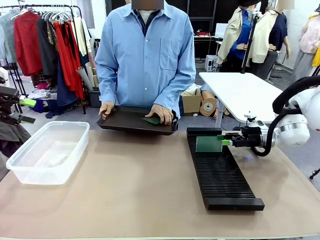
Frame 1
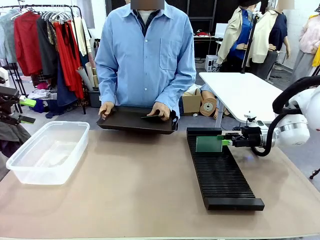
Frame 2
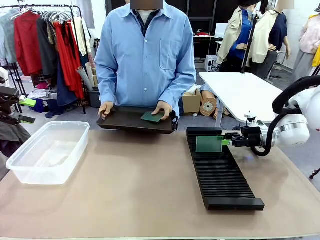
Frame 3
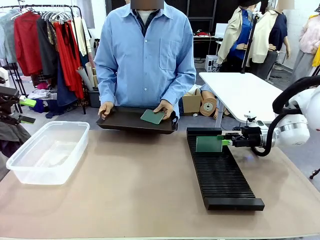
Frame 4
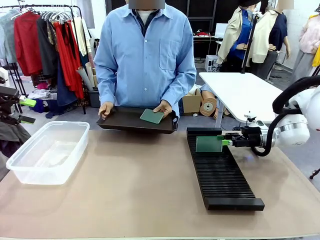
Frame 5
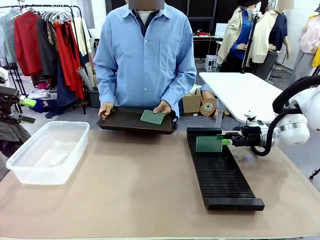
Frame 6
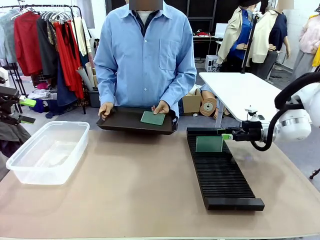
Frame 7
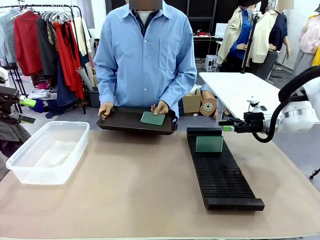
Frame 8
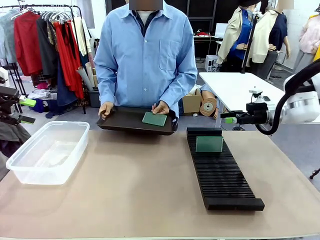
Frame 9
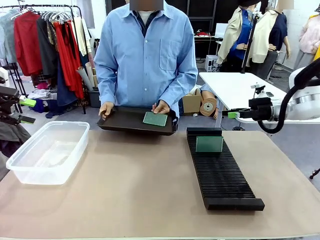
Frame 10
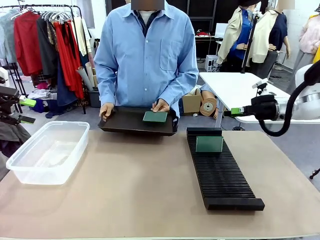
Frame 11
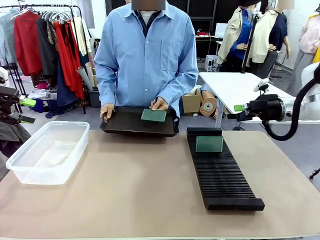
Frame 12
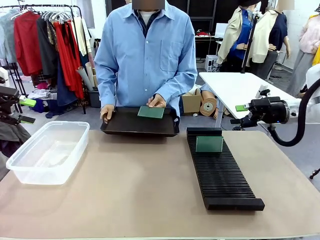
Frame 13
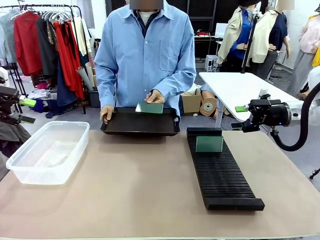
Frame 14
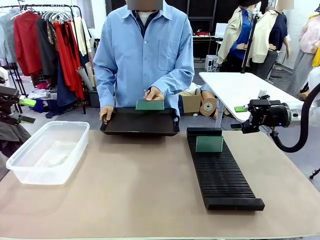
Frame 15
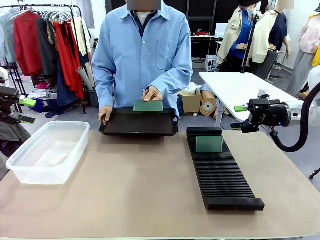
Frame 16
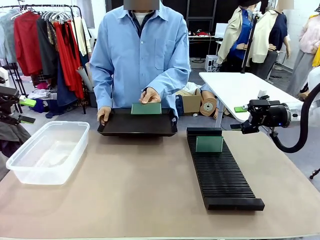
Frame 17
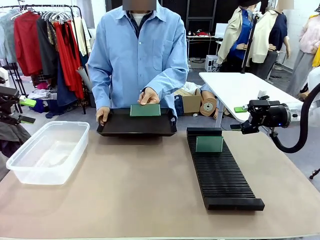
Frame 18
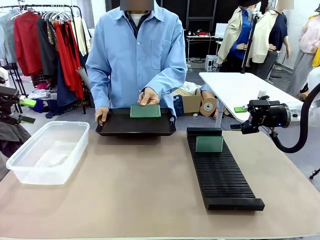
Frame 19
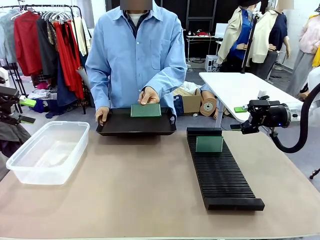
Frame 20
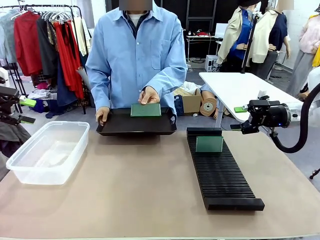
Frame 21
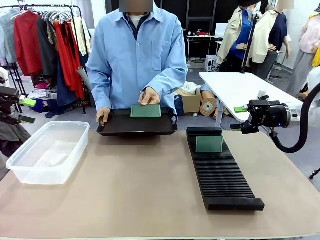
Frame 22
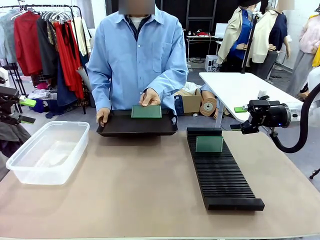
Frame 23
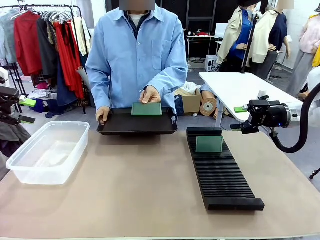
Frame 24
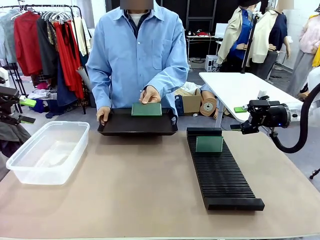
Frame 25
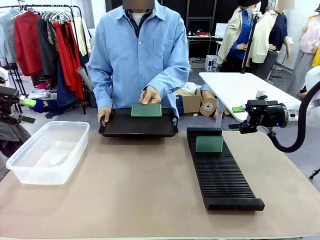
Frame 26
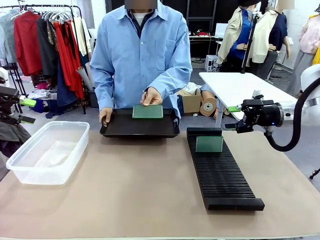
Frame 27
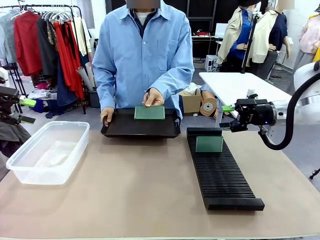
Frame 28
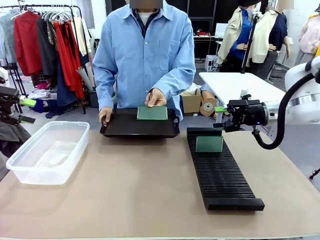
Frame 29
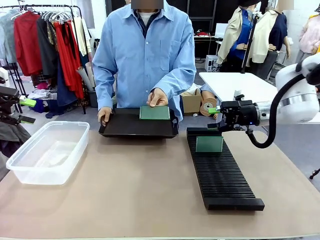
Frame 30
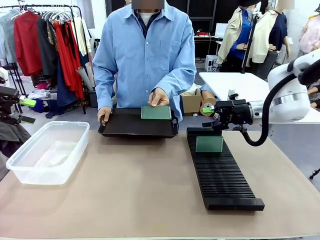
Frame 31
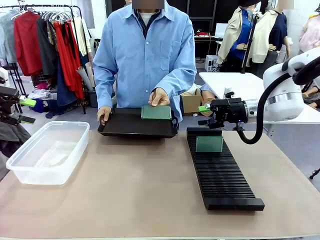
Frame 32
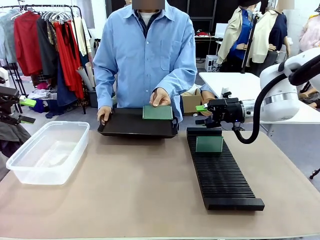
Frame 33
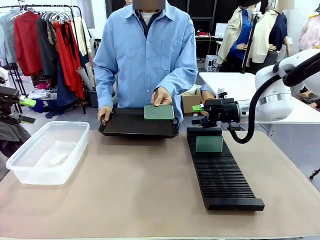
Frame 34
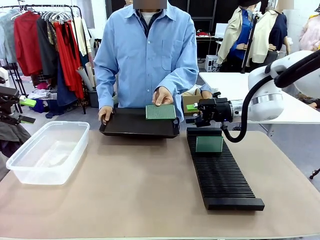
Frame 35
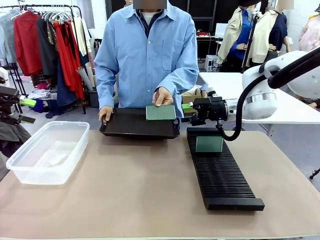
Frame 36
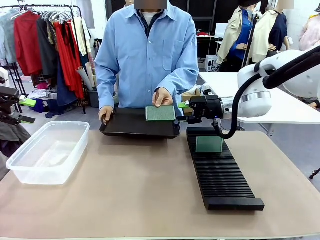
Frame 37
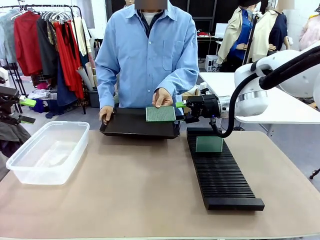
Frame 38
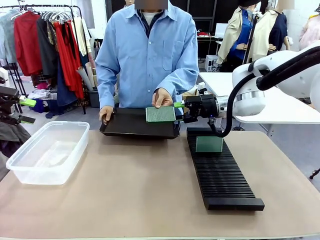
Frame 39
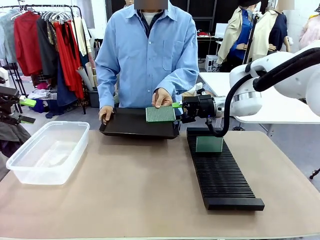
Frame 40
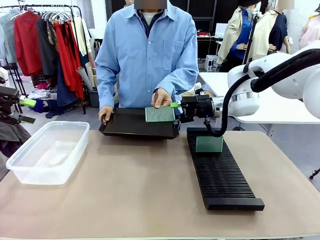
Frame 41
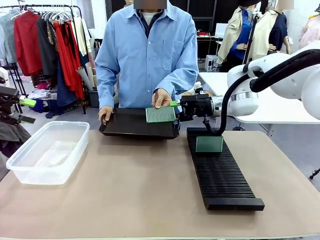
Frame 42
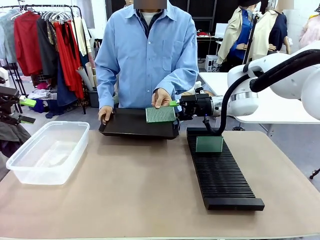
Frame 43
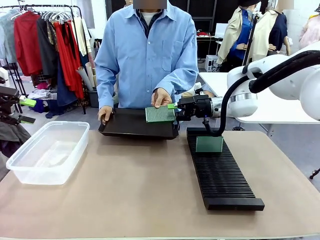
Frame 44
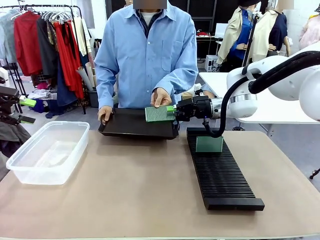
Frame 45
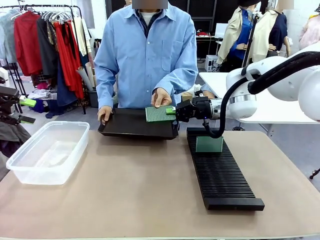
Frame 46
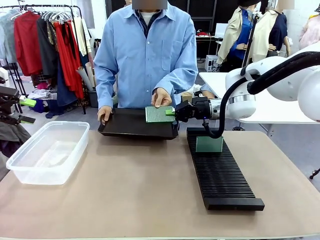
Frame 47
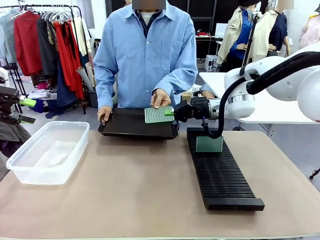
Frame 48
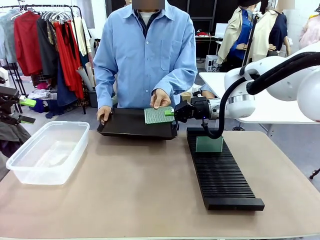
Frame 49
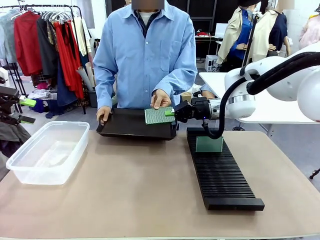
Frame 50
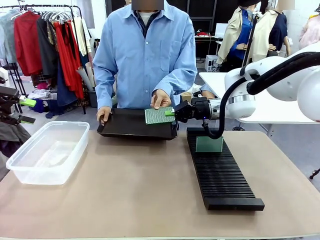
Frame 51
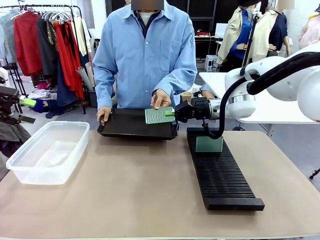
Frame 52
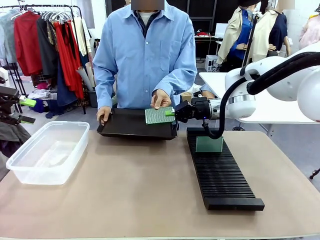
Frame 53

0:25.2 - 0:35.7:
Task: Sort PCBs into racks and boxes based on the side picked up.
Robot: Pick up the Blank PCB handed by the Human.

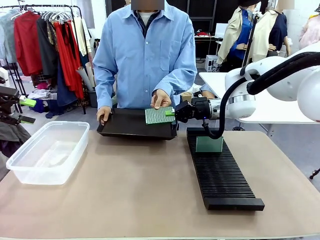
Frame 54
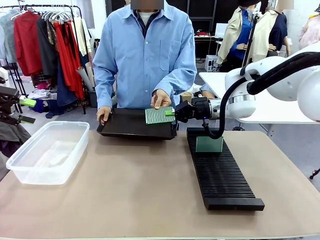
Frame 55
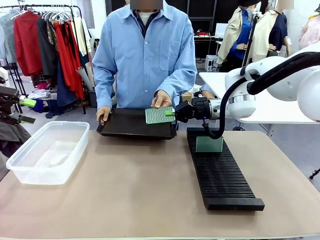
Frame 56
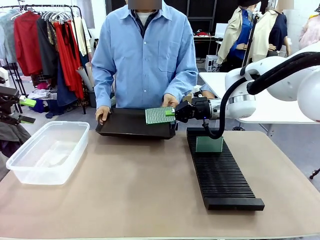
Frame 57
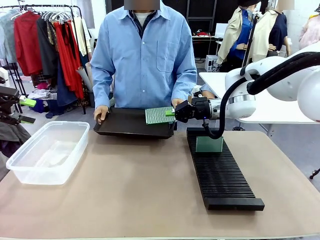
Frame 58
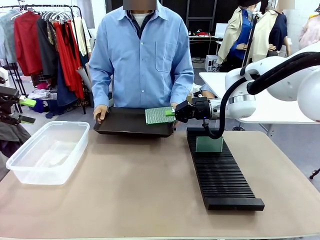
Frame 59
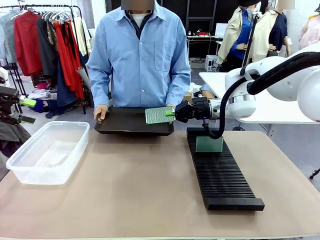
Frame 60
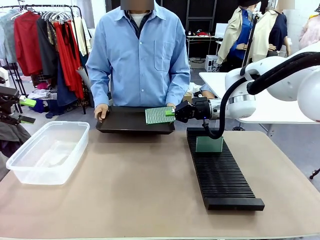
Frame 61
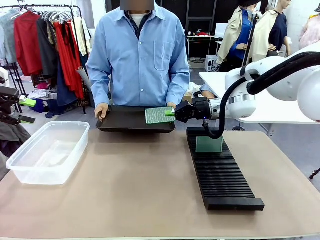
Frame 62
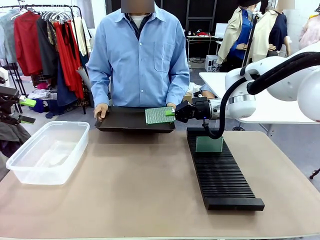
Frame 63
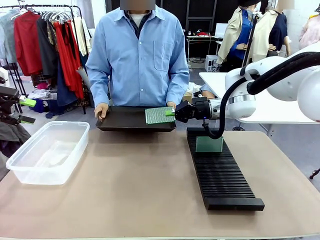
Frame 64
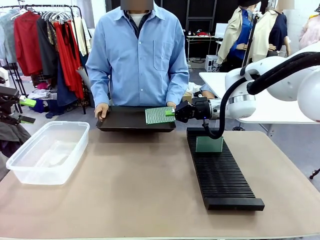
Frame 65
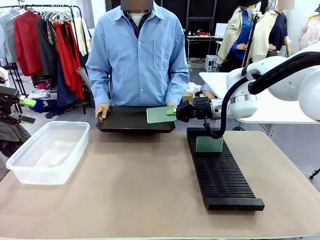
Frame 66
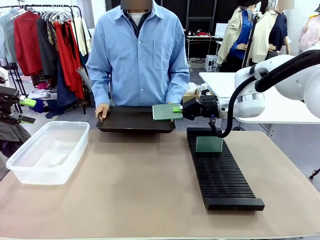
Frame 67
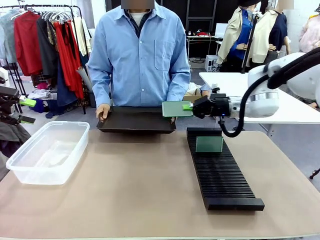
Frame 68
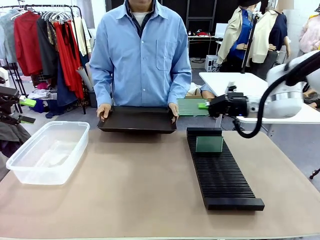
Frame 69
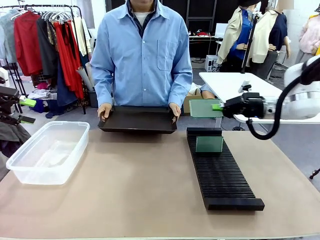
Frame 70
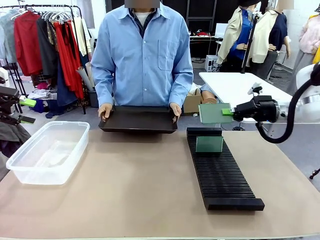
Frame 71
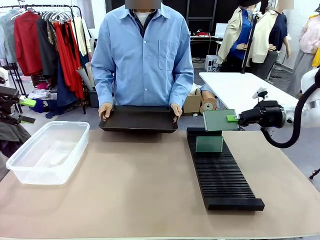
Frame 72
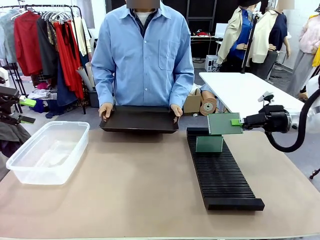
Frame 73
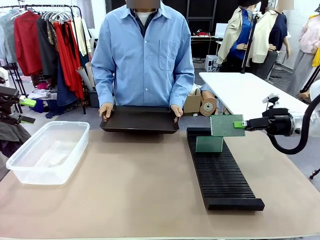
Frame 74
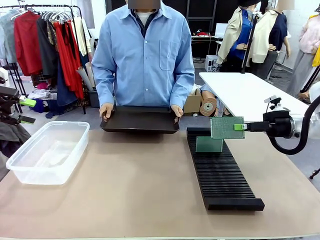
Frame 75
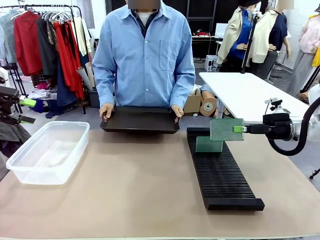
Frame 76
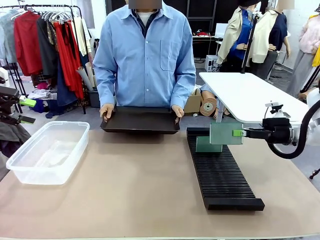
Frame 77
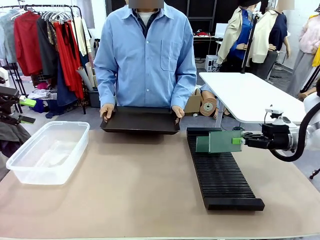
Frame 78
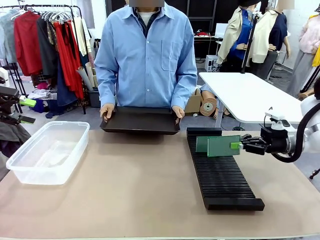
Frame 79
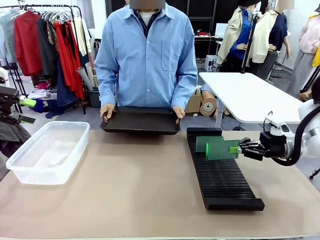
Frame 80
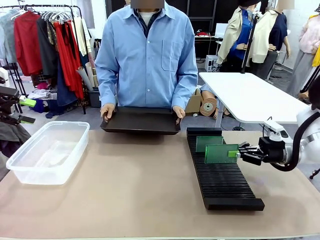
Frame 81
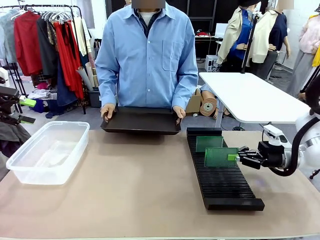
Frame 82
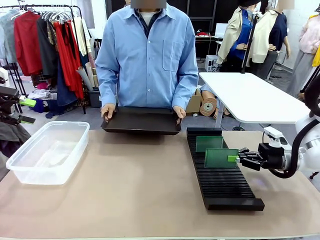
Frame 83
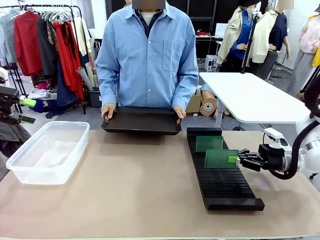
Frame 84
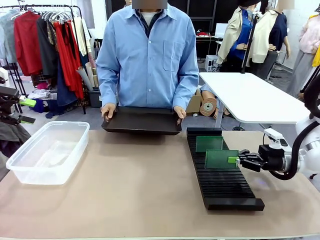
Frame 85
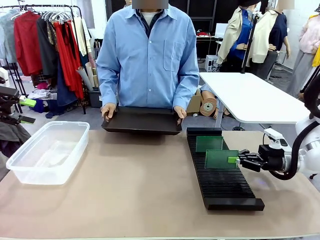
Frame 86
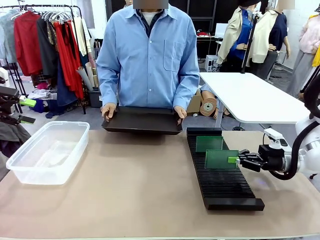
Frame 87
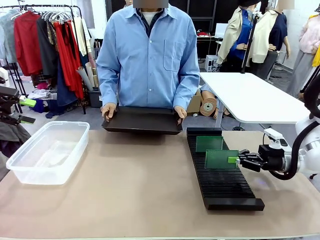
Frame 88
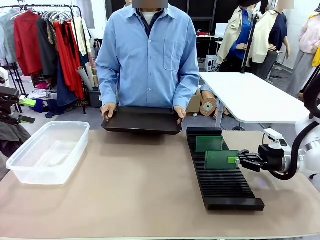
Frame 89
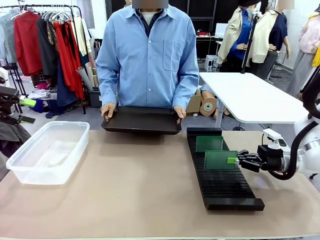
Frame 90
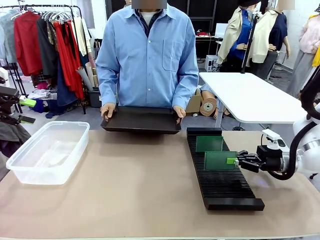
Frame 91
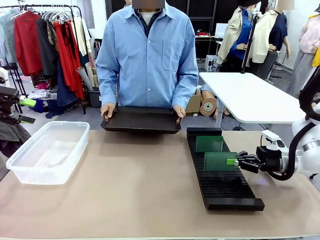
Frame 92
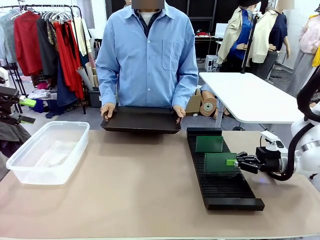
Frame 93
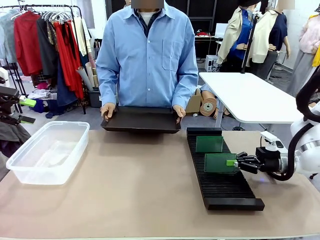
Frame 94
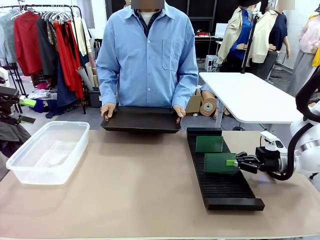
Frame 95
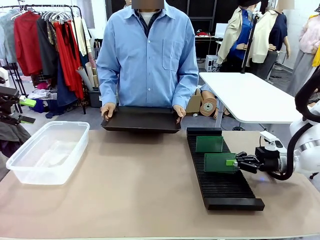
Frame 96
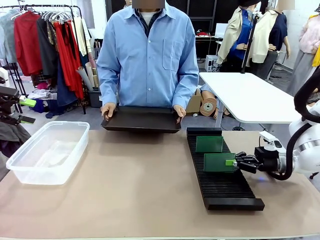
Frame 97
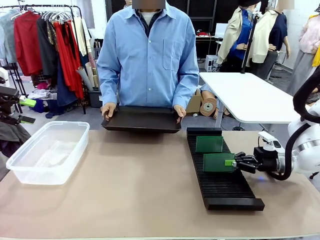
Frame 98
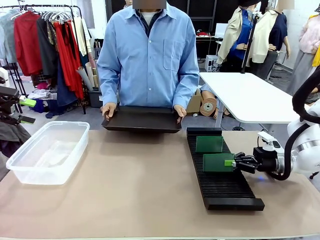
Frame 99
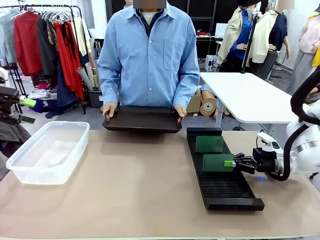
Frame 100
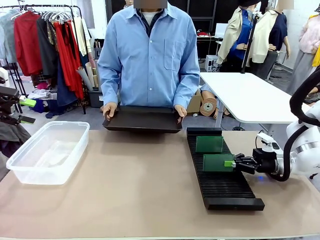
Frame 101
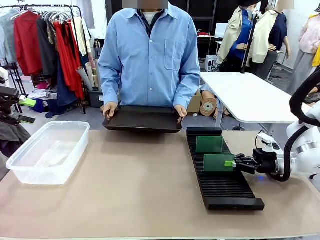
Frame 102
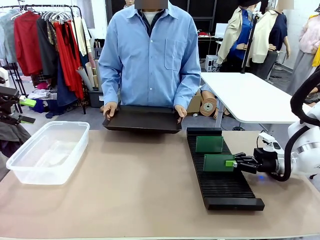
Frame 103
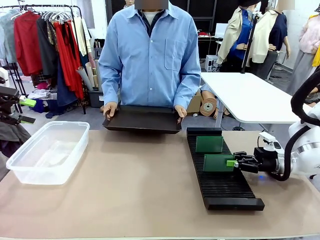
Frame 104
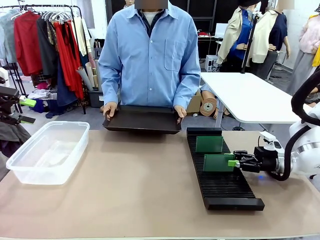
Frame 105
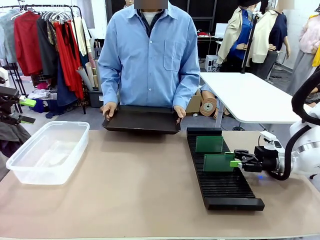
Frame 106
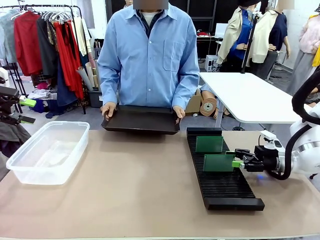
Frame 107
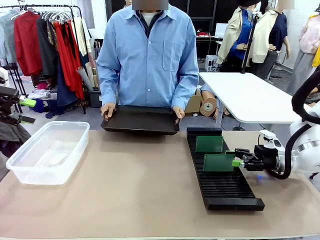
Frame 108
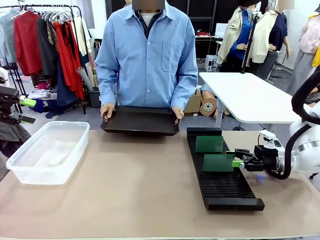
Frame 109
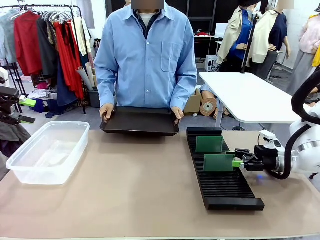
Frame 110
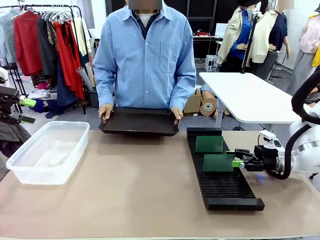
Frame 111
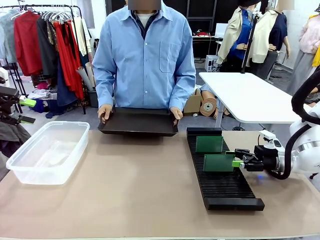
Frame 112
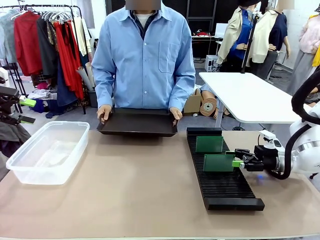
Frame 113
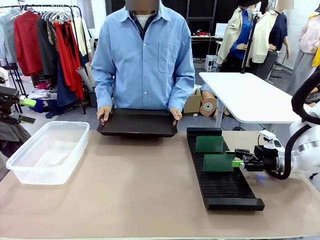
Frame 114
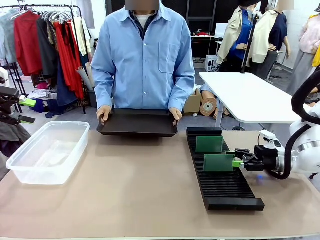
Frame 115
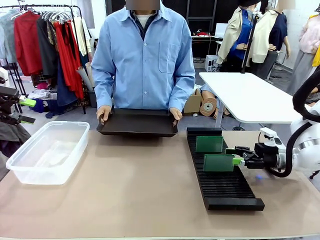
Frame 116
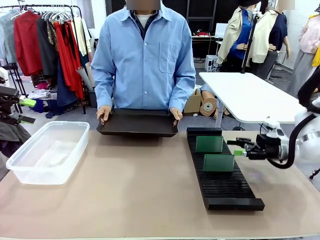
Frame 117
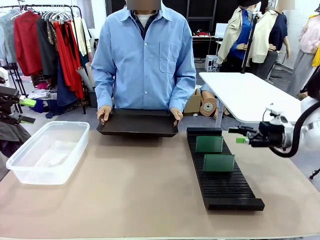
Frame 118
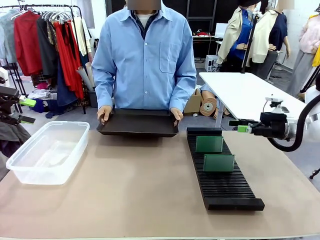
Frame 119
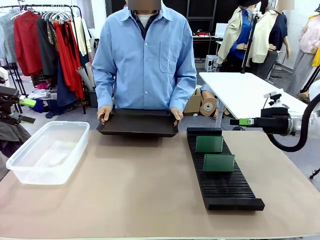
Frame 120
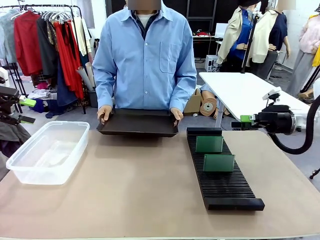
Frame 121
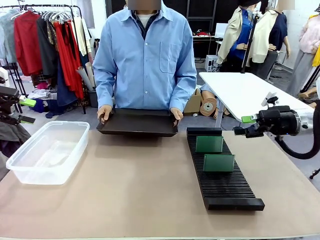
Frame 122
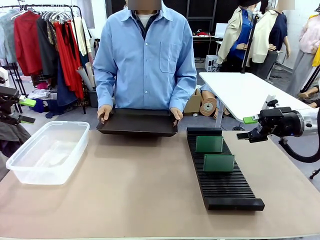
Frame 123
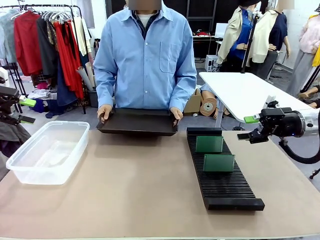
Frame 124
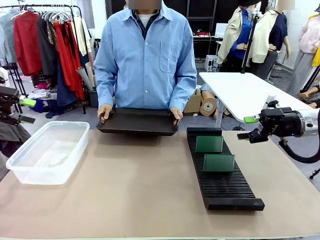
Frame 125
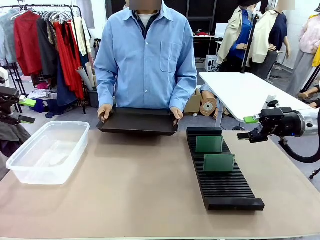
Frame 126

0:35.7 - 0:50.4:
Robot: If the short side of the Blank PCB is picked up, insert it into the PCB Rack ; if the long side is picked up, place it in the Organizing box.
Person: Release the PCB being held.
